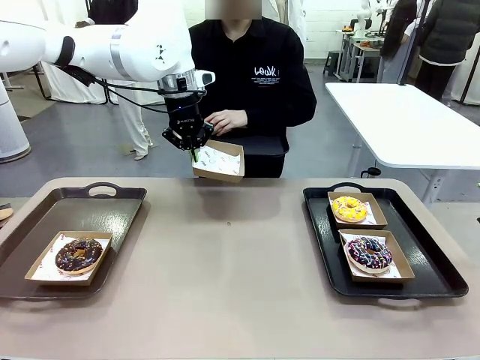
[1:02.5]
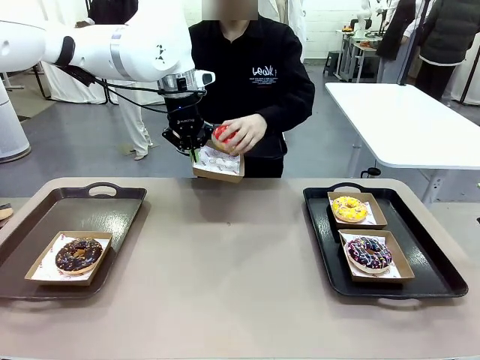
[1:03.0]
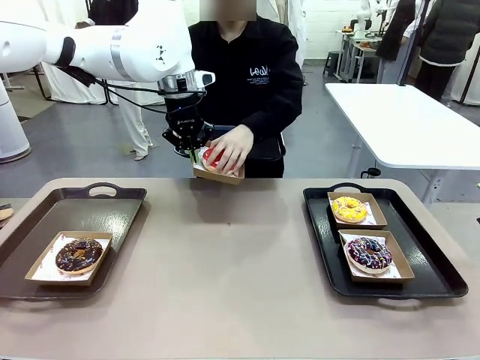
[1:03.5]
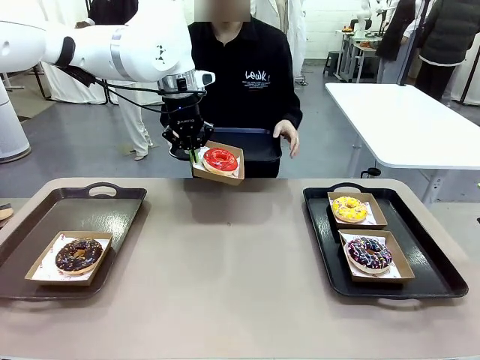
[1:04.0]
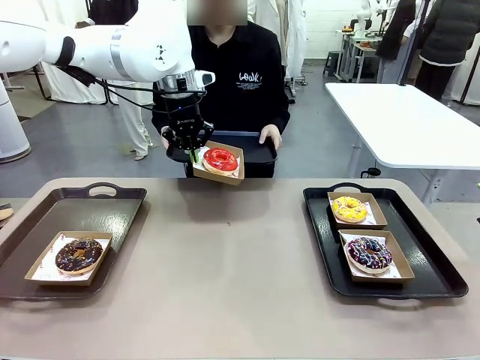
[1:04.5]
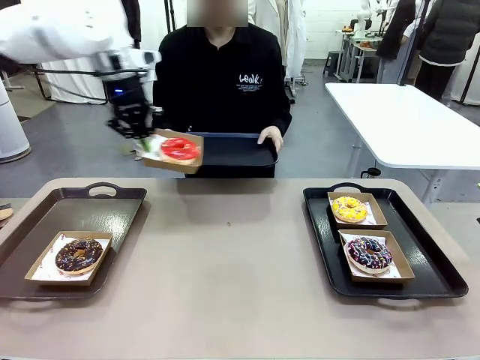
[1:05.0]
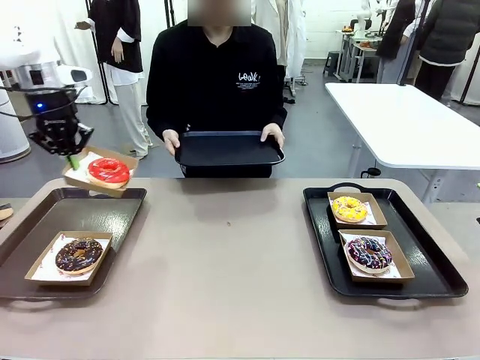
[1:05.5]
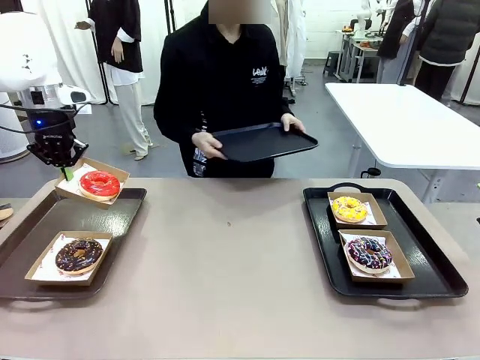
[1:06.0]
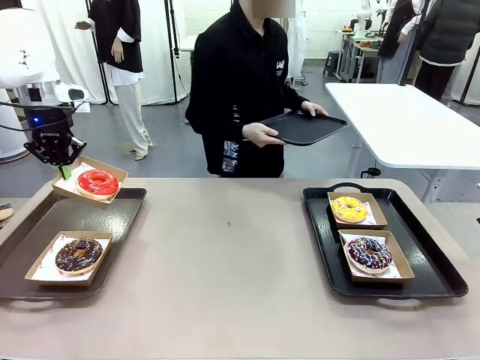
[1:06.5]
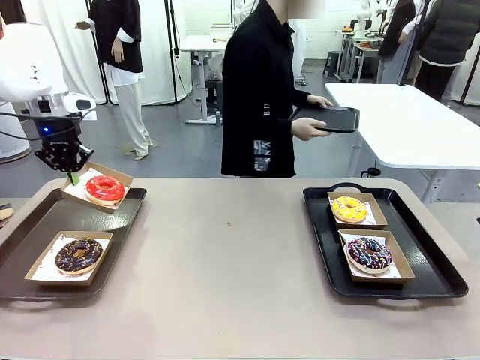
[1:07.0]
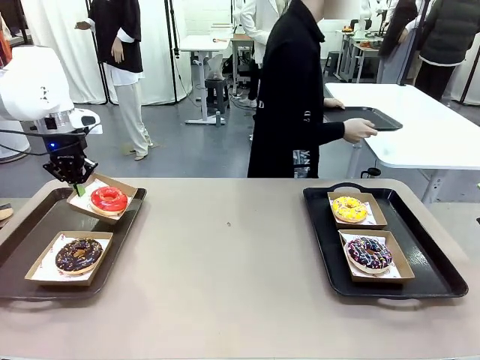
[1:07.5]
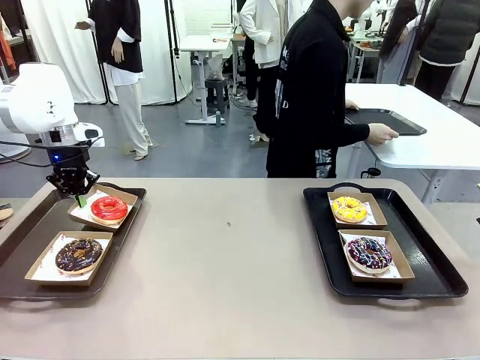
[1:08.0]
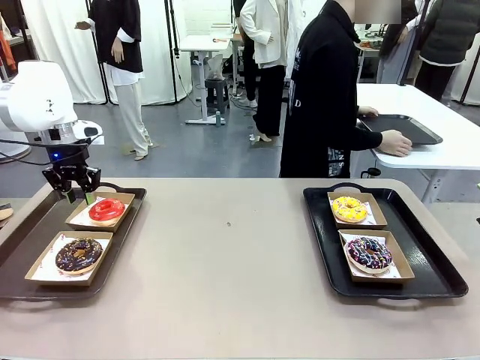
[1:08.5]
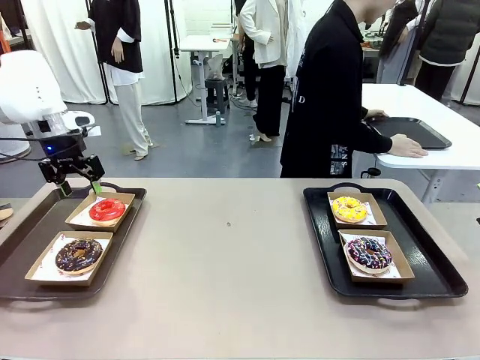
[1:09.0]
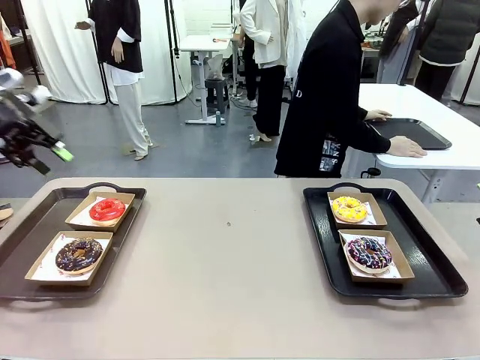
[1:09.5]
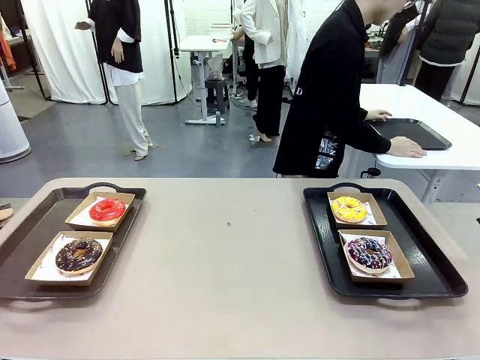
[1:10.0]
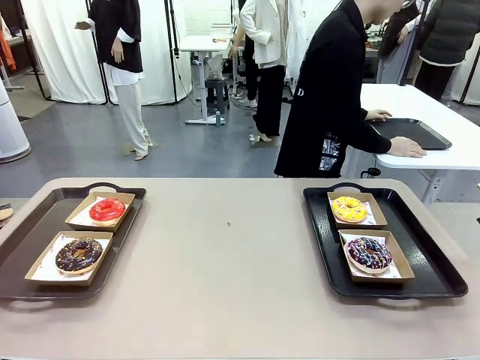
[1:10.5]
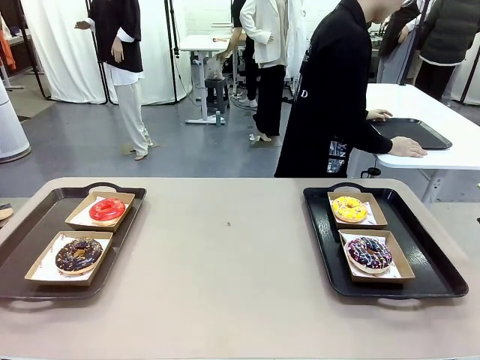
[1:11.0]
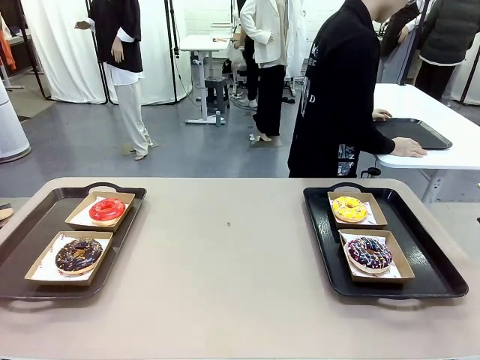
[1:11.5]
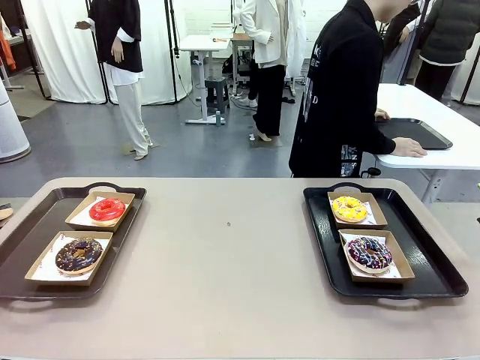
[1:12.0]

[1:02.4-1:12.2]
Task: Individually package the donuts and arrange them on the tray.
Robot: Place the picked Paper togo box on the Handle tray.
Person: Place the tray down in the middle of the human table.

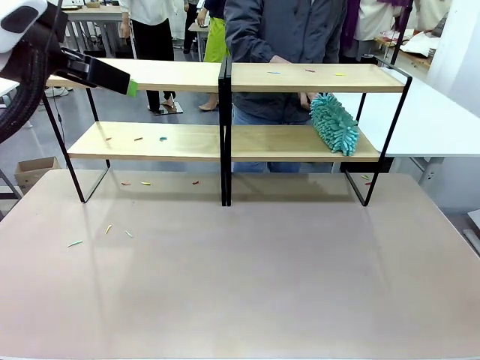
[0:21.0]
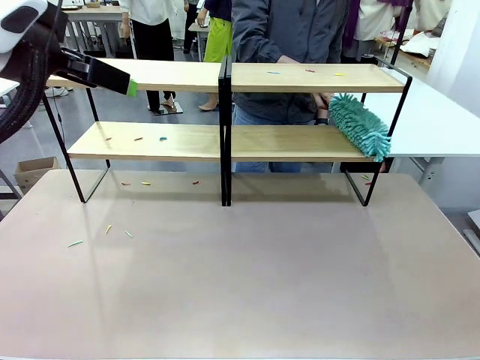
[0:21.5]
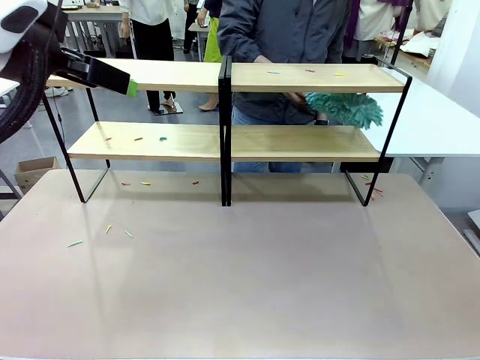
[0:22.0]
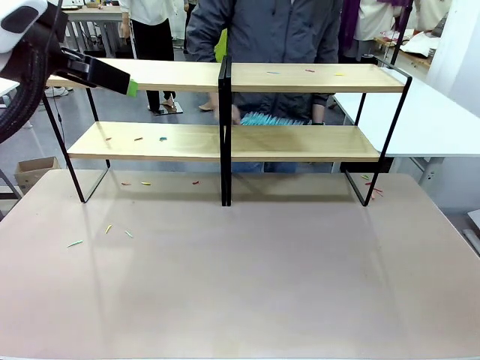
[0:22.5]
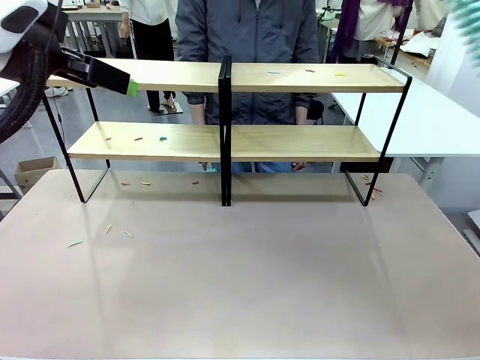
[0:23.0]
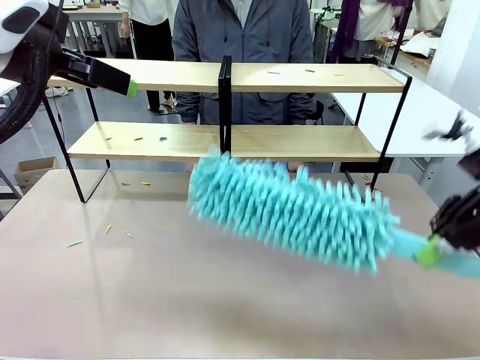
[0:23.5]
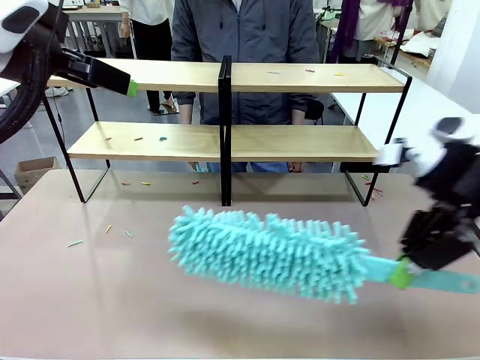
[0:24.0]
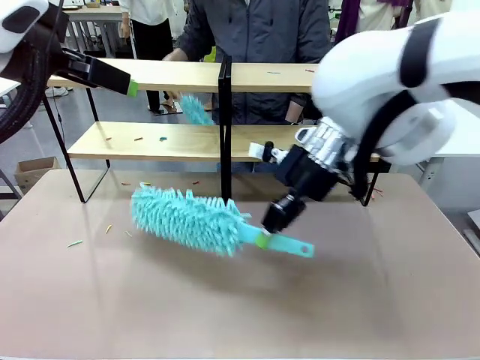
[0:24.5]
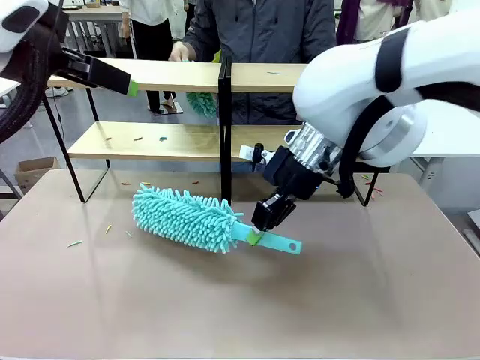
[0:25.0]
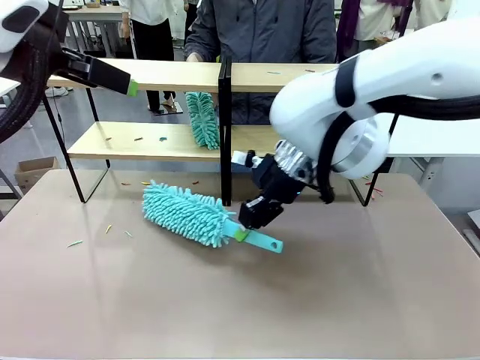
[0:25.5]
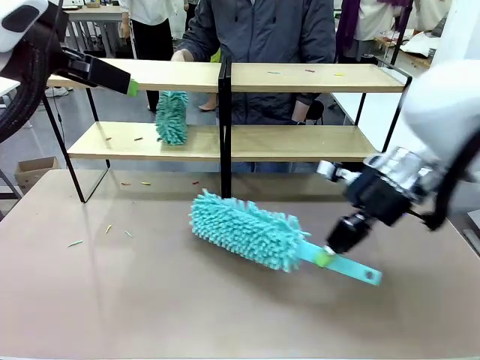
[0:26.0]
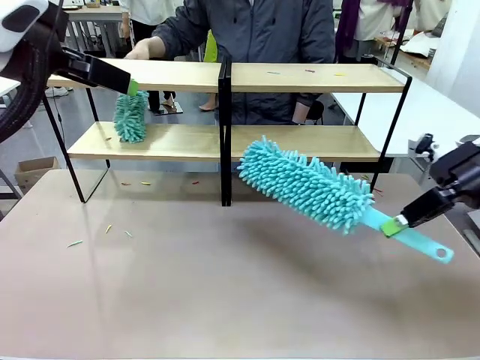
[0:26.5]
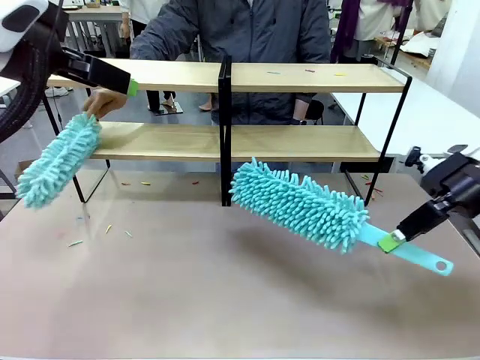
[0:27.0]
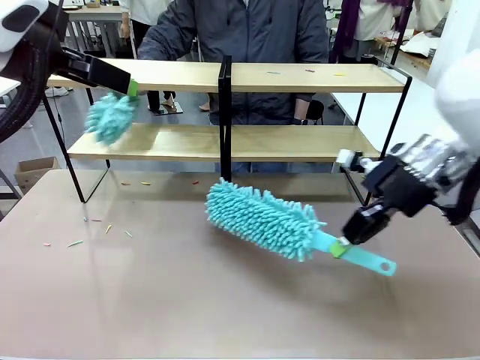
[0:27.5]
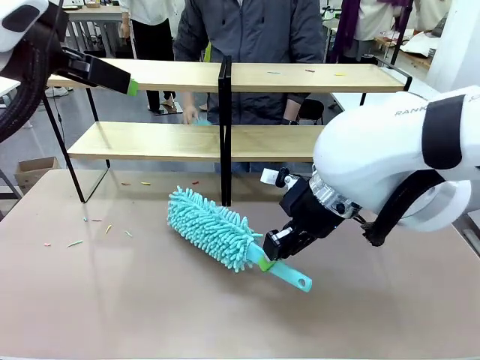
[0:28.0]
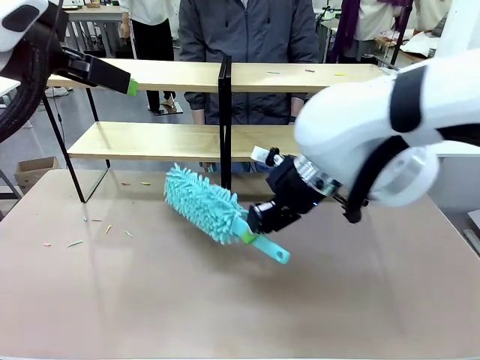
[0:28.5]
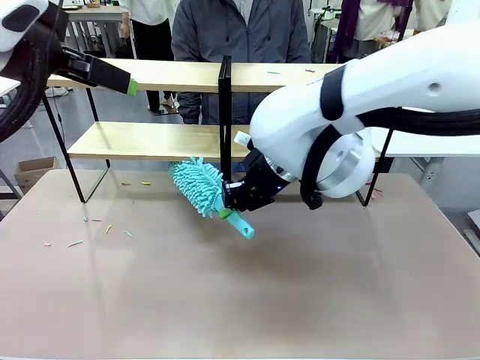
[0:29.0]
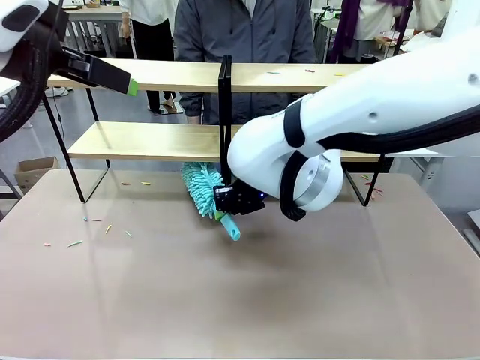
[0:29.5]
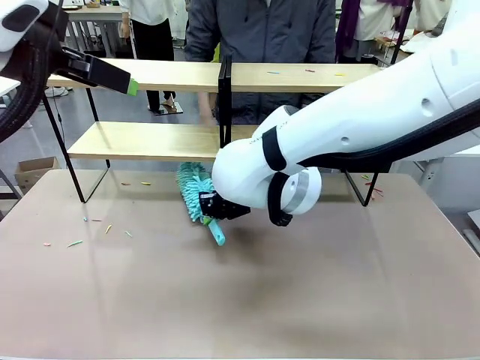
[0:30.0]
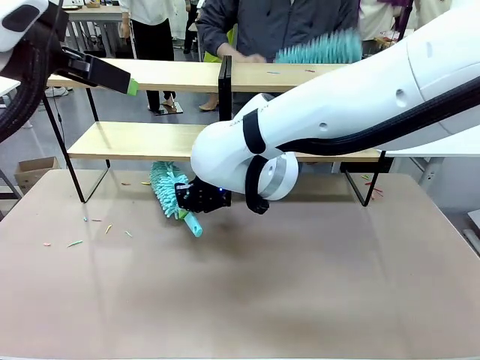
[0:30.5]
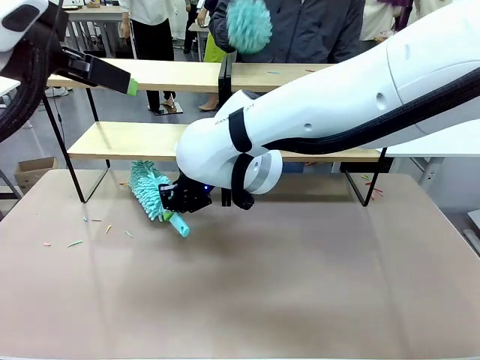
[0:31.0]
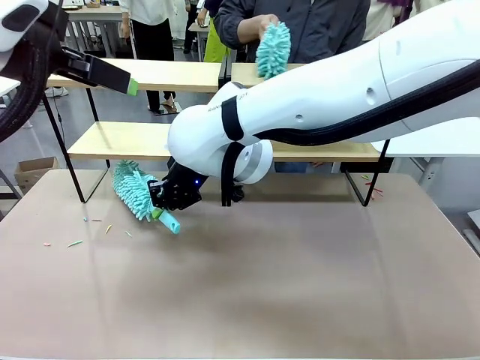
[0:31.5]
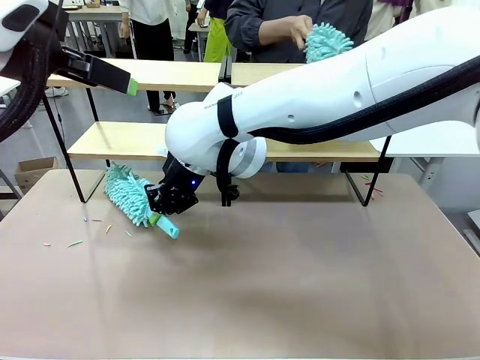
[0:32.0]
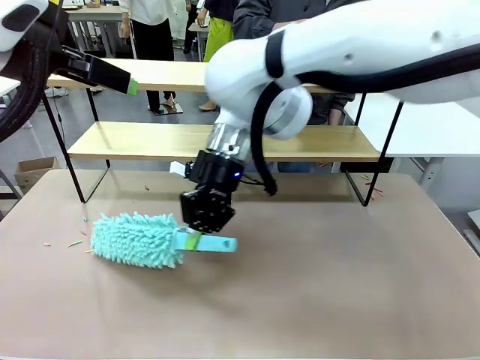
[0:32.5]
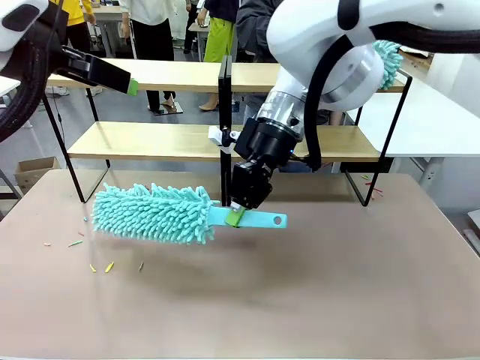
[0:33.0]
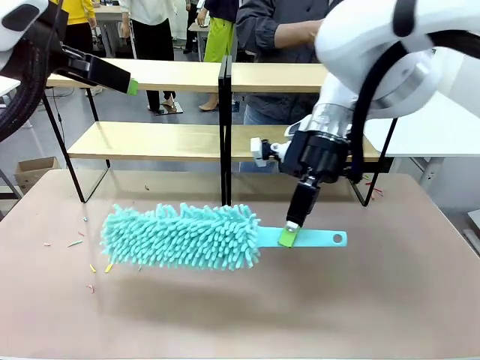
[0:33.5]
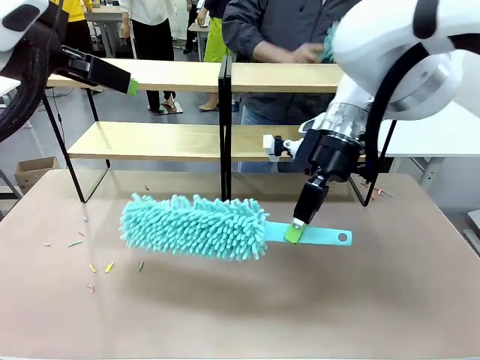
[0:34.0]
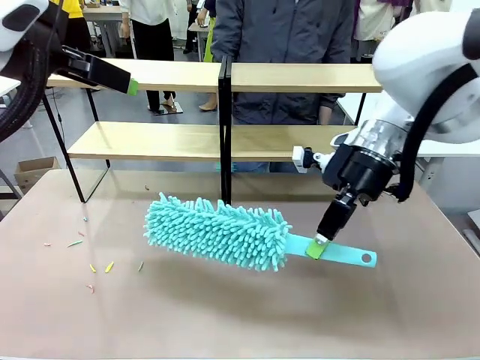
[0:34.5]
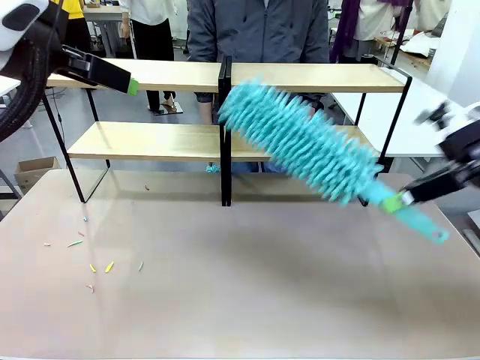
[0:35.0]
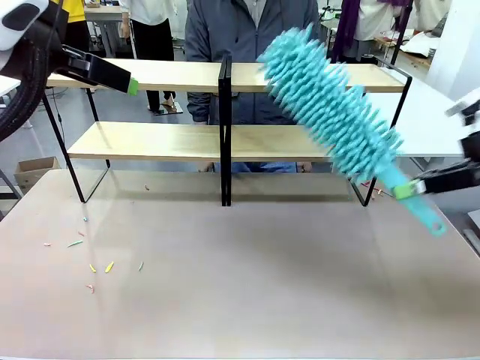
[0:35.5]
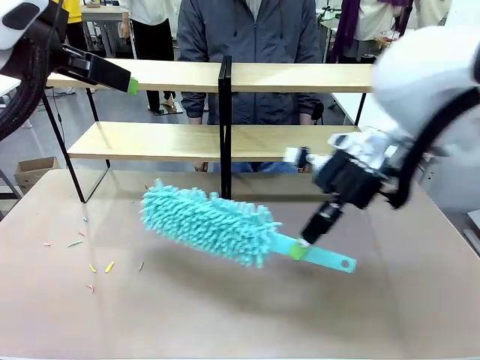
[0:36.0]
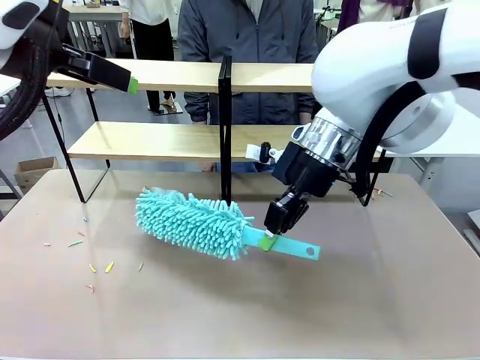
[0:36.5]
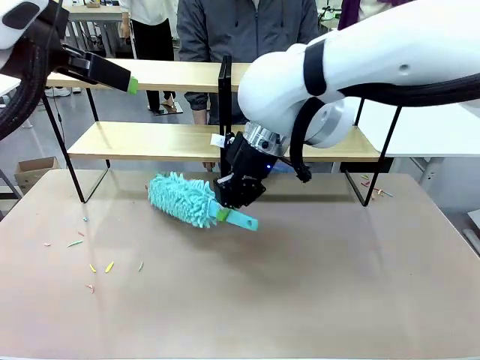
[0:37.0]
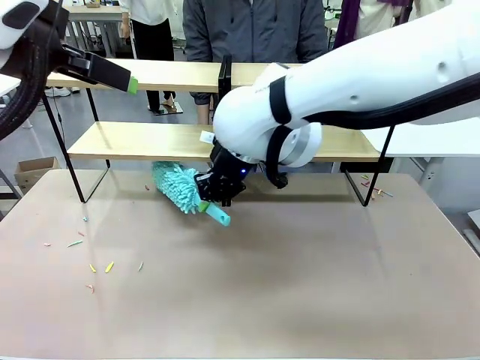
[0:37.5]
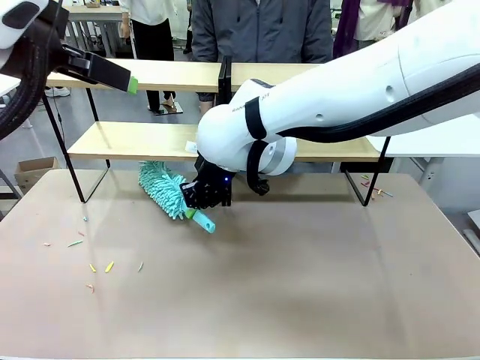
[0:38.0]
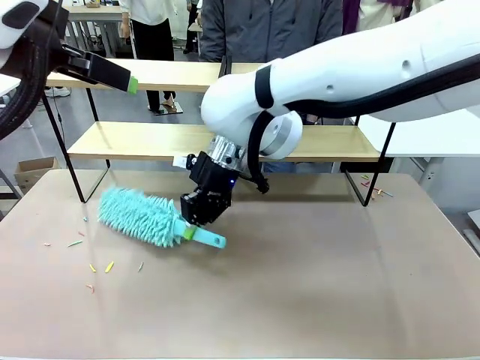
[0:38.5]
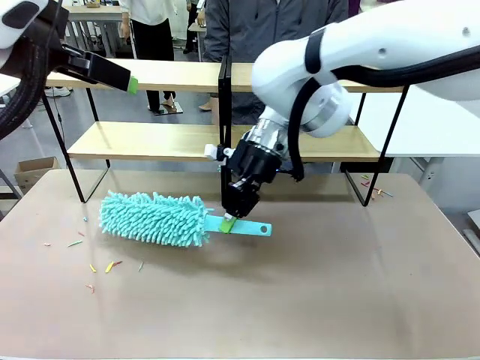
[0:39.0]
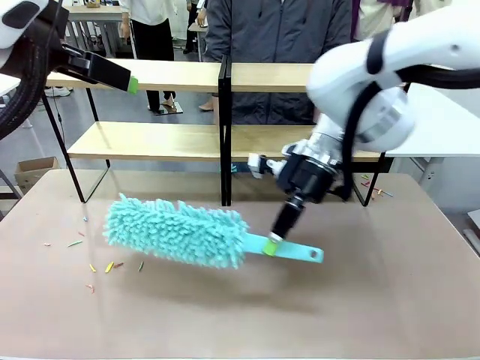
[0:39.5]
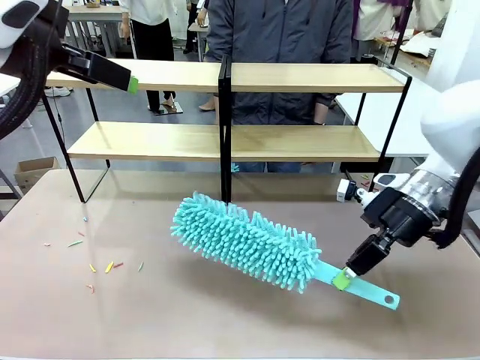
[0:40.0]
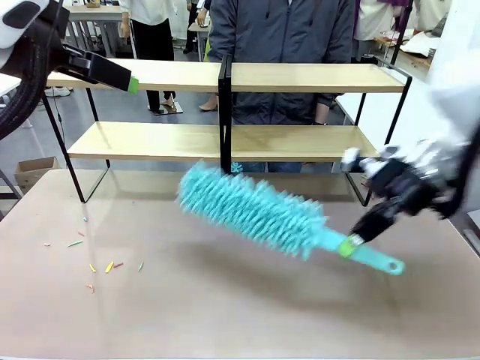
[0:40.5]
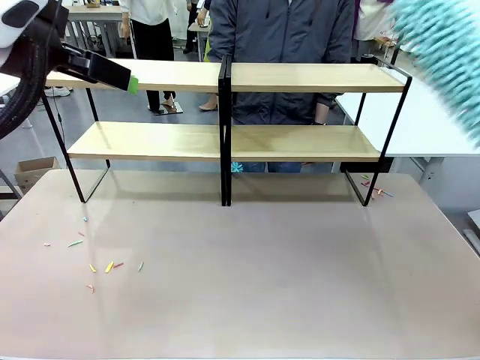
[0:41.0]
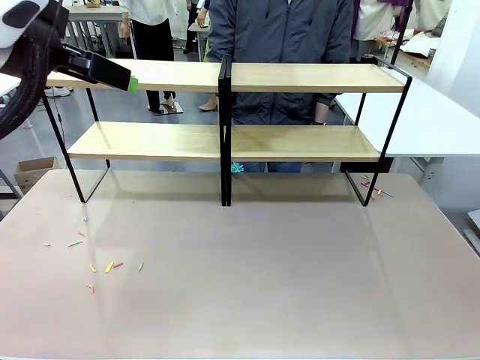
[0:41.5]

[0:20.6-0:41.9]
Task: Clean the shelves.
Robot: Clean another randomly selected level of the Shelf with the Duster.
Person: Clean a randomly selected level of the Shelf with the Duster.
